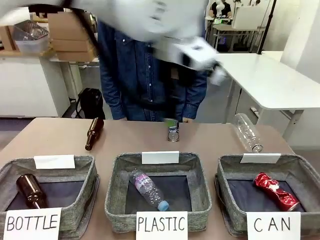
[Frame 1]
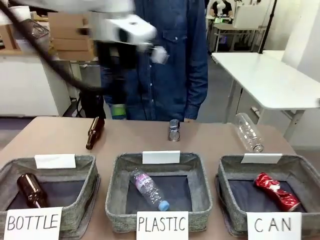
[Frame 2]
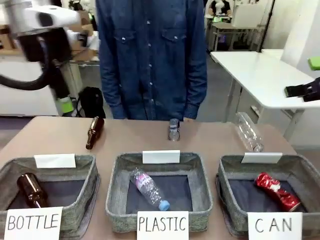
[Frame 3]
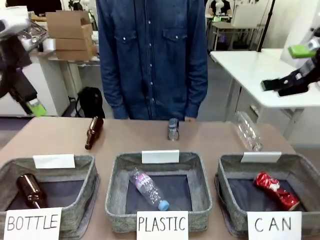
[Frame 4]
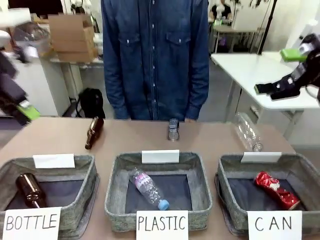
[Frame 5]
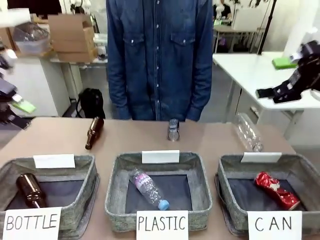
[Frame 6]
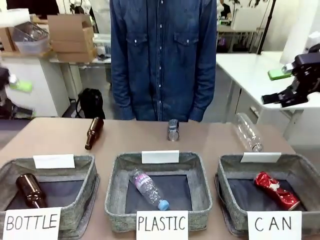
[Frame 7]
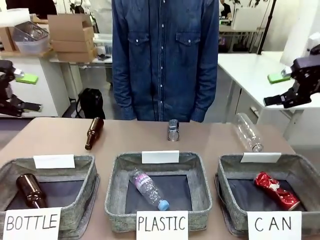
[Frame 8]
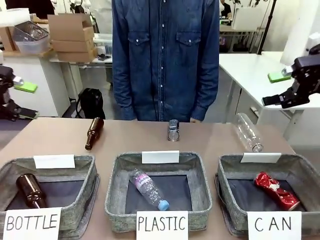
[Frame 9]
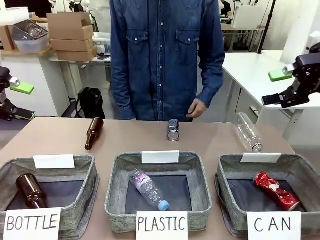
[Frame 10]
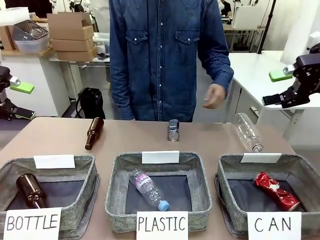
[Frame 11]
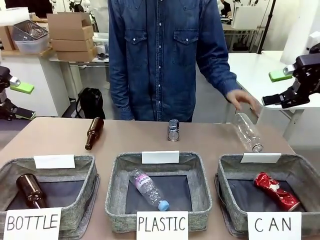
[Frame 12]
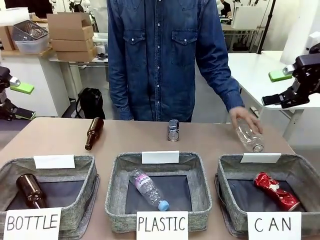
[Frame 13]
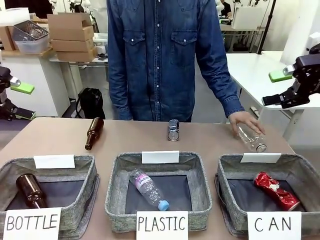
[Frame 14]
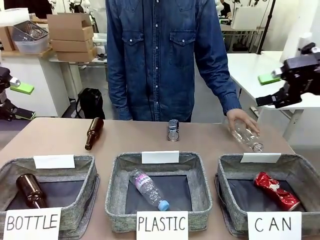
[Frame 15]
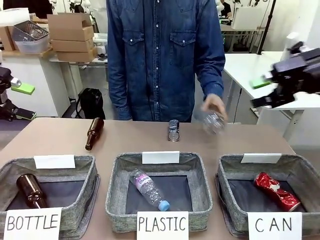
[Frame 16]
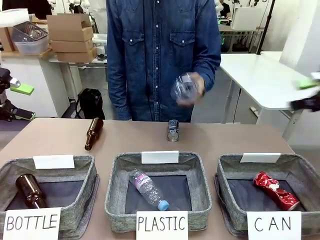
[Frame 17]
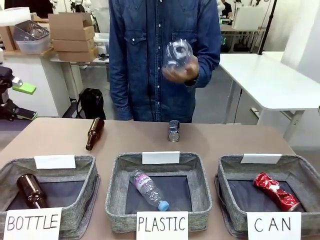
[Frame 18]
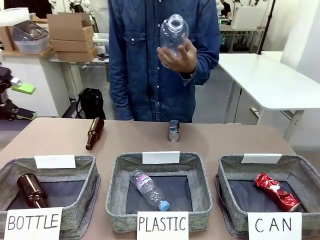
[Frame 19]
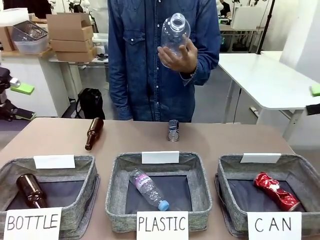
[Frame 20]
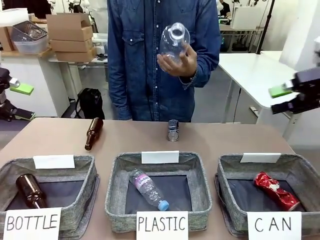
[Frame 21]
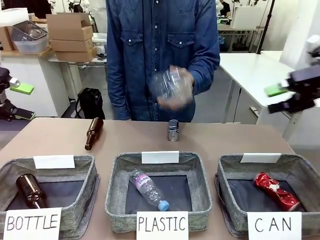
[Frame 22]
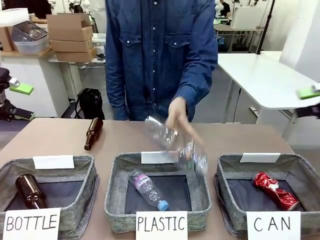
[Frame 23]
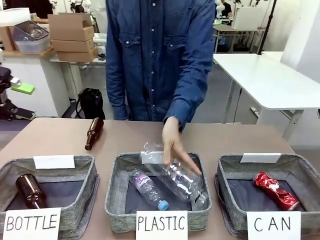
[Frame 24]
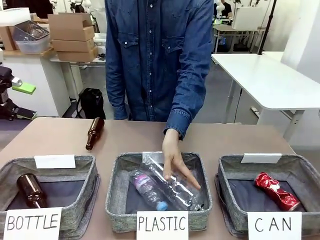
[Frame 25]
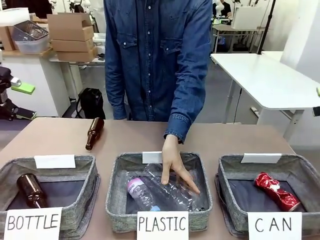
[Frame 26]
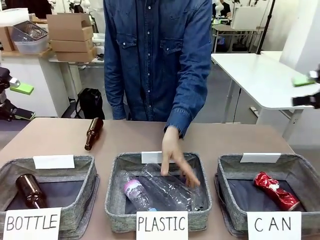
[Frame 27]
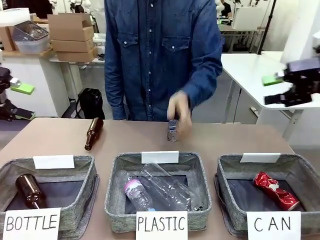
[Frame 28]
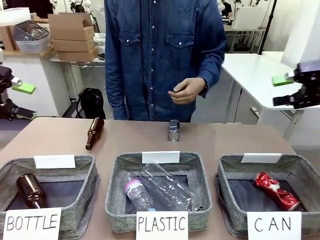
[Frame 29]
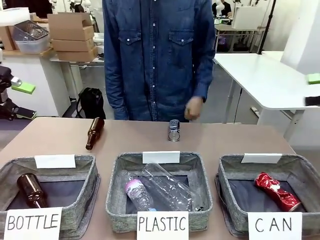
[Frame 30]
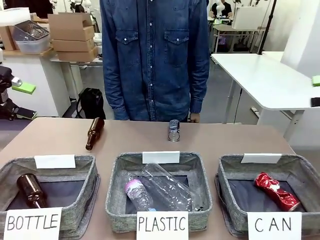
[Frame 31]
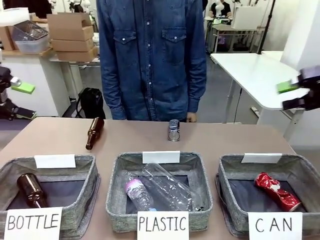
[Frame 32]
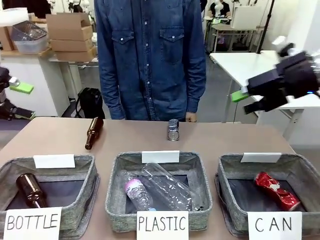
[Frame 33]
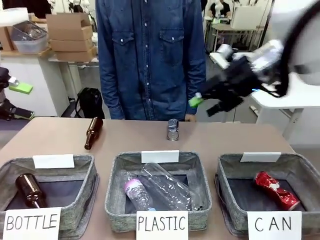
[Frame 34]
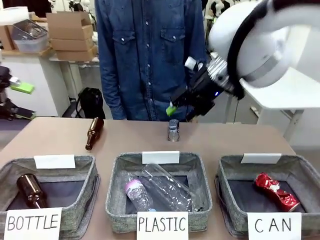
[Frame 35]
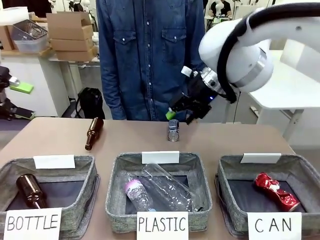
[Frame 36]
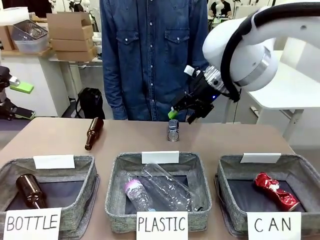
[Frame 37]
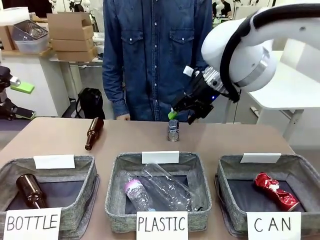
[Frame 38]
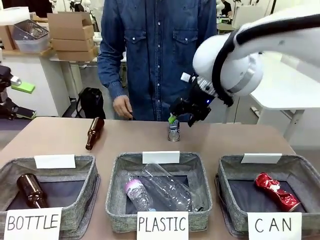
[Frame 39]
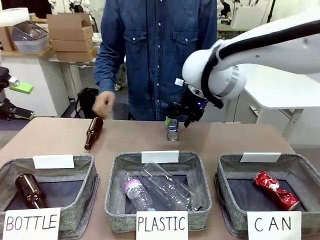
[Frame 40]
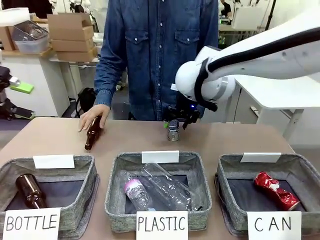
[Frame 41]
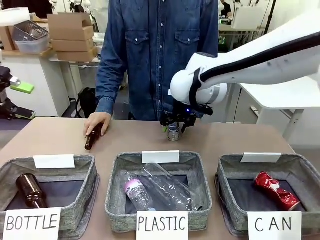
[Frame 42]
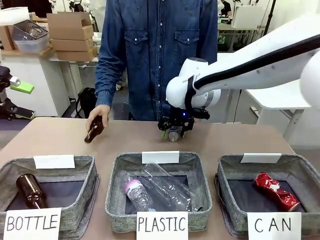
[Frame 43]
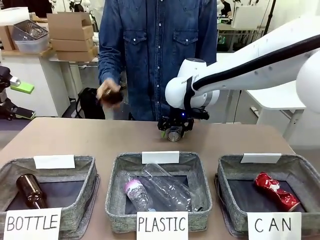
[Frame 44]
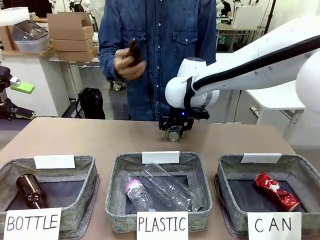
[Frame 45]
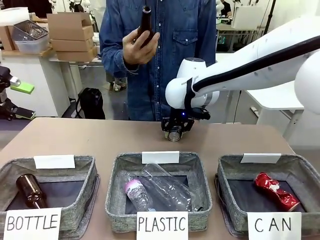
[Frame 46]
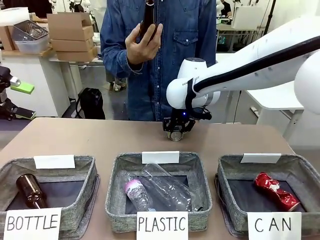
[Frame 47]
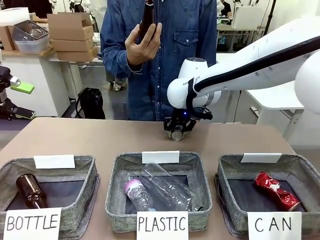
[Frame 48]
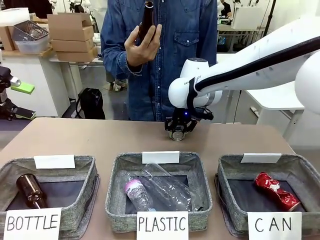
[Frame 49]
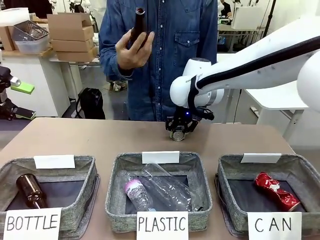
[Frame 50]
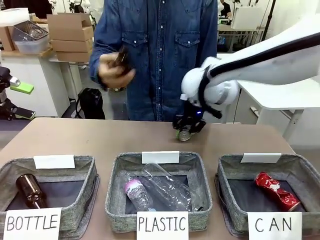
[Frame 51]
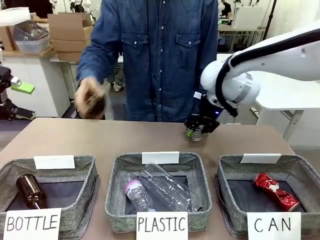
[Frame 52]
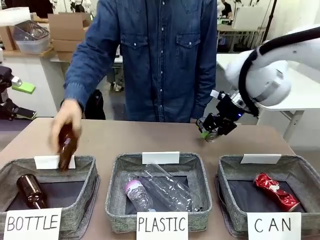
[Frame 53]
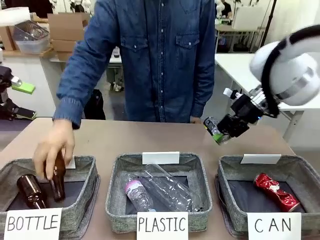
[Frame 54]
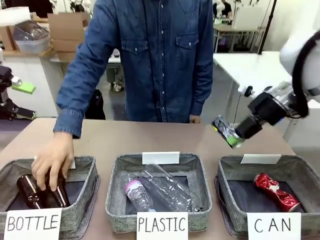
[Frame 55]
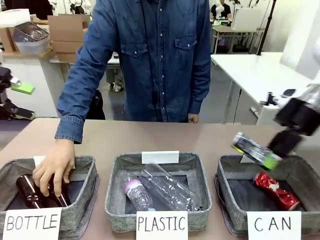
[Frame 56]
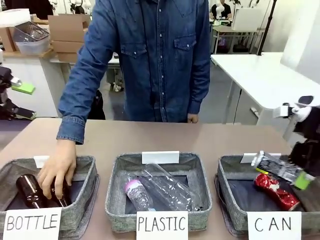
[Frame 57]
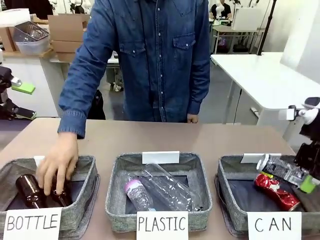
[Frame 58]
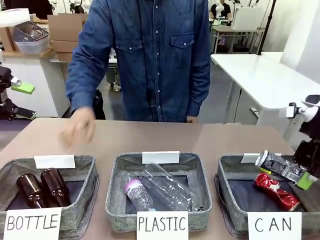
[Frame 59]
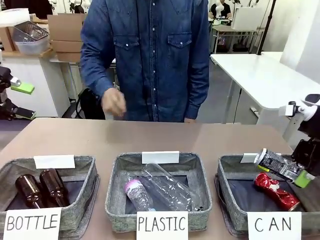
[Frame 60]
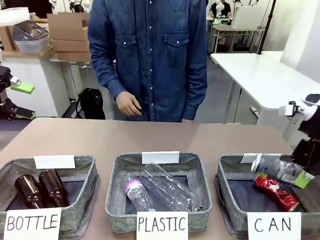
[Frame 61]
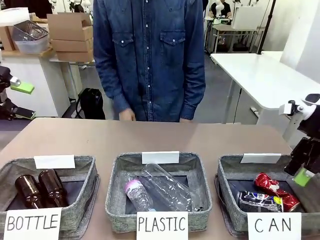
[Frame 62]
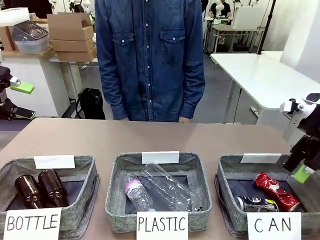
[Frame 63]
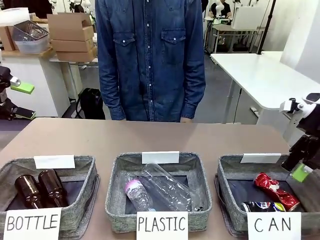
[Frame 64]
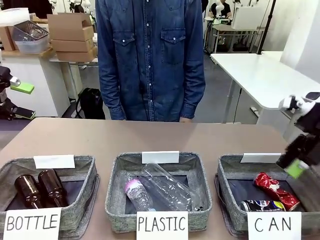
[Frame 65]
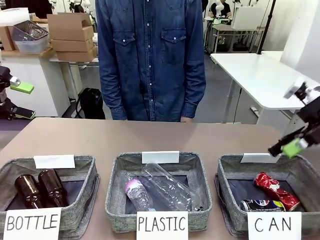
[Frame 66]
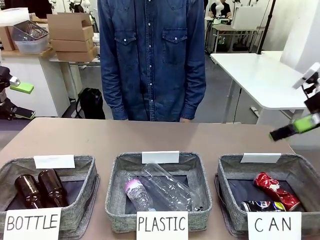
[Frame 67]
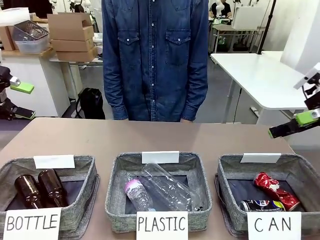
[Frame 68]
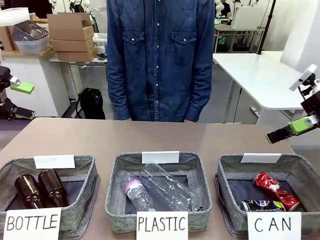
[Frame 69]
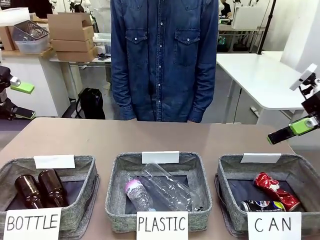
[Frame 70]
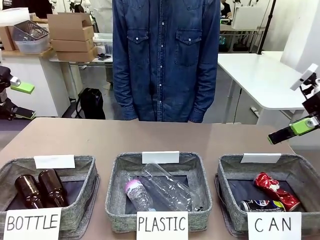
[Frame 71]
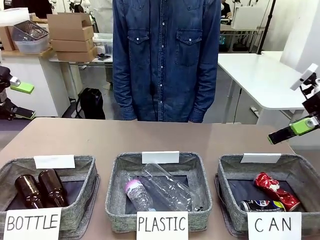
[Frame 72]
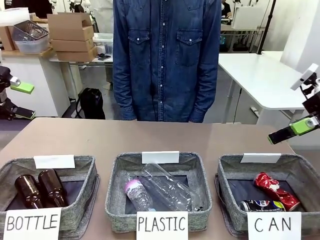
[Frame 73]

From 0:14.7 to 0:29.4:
Task: Sort the can waste into the basket.
Robot: Pick up the can waste from the table and place it in the right Fabric basket.
